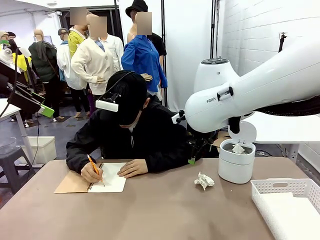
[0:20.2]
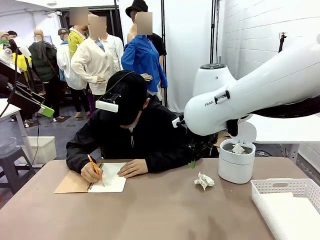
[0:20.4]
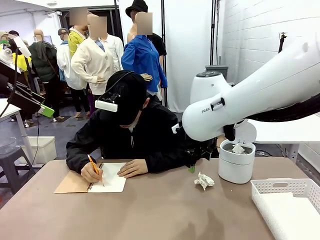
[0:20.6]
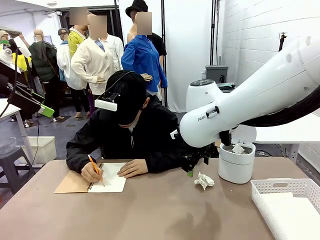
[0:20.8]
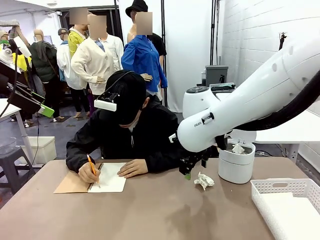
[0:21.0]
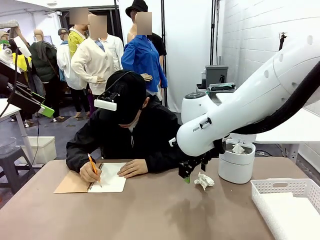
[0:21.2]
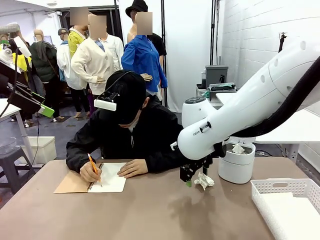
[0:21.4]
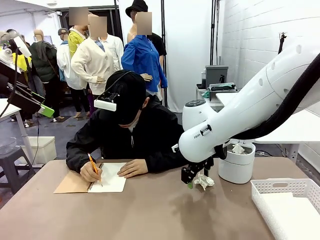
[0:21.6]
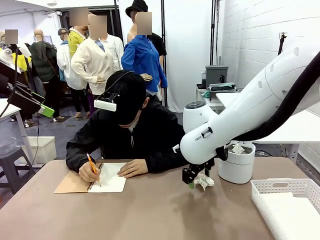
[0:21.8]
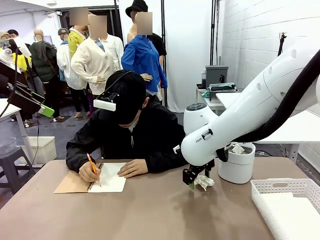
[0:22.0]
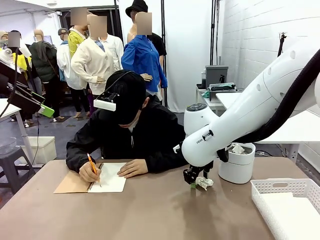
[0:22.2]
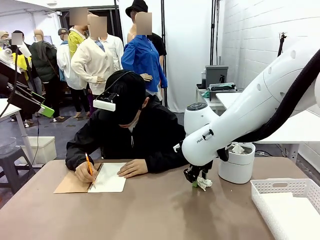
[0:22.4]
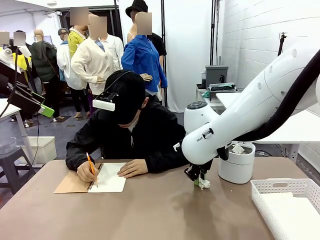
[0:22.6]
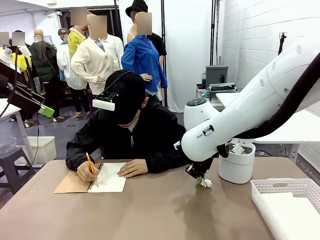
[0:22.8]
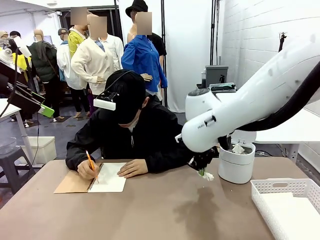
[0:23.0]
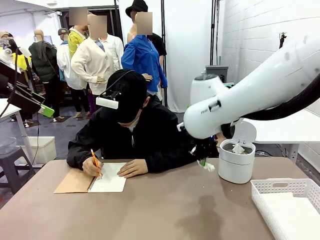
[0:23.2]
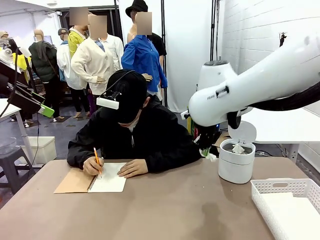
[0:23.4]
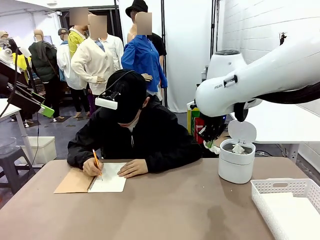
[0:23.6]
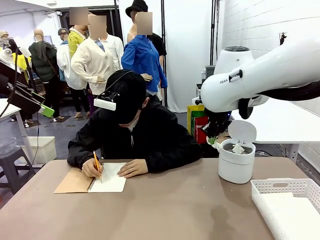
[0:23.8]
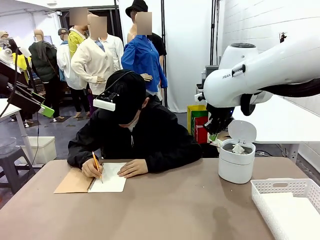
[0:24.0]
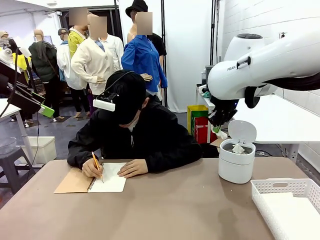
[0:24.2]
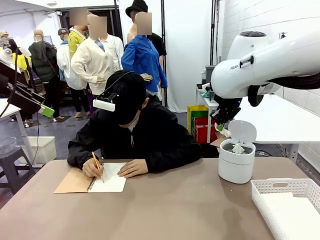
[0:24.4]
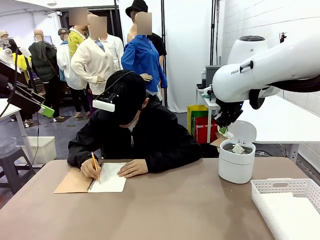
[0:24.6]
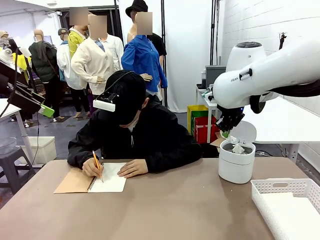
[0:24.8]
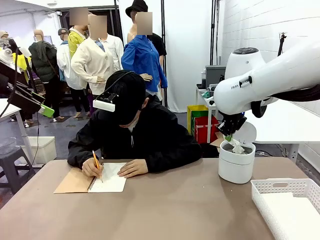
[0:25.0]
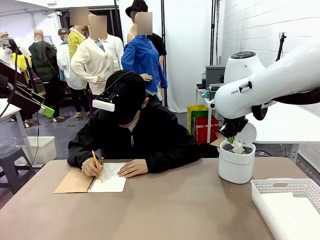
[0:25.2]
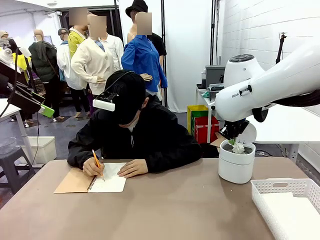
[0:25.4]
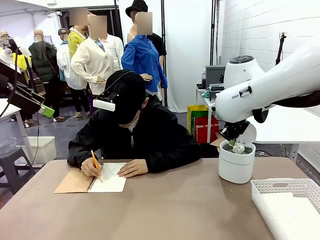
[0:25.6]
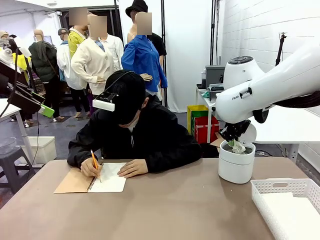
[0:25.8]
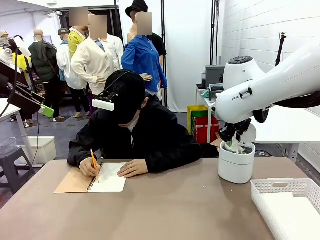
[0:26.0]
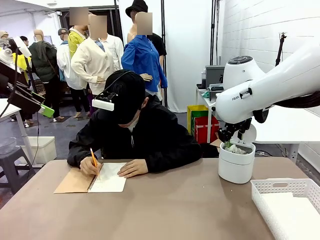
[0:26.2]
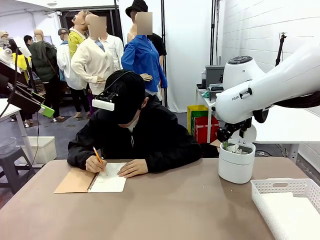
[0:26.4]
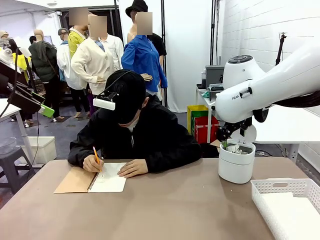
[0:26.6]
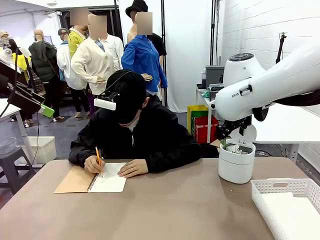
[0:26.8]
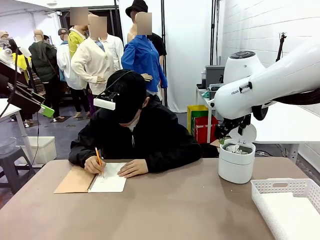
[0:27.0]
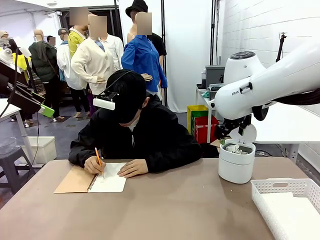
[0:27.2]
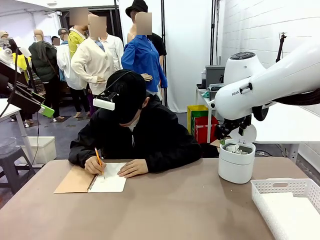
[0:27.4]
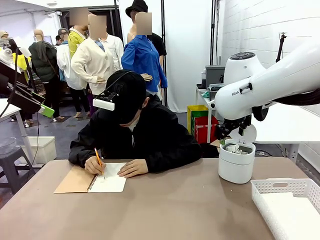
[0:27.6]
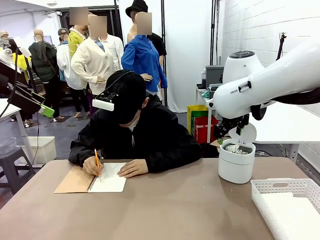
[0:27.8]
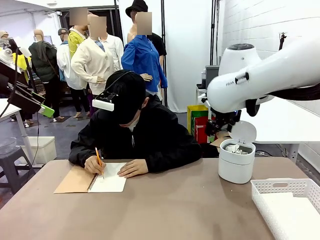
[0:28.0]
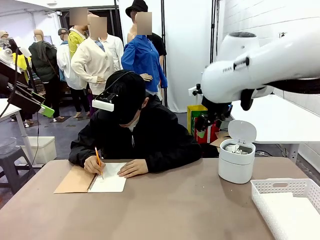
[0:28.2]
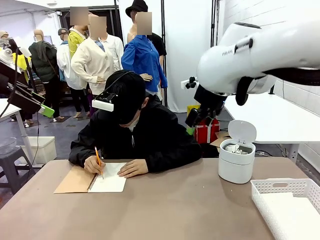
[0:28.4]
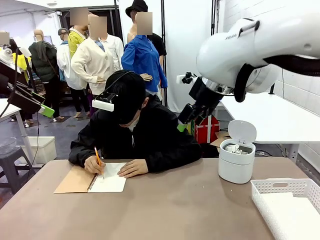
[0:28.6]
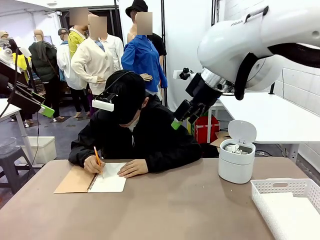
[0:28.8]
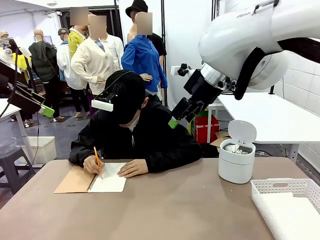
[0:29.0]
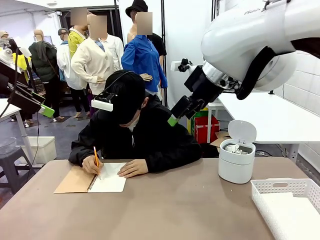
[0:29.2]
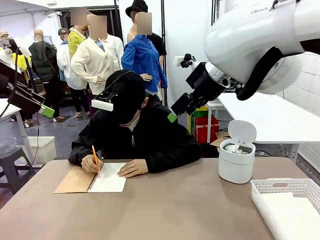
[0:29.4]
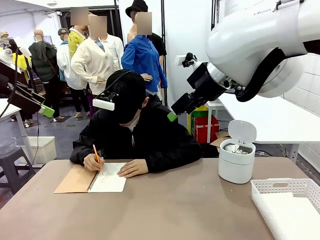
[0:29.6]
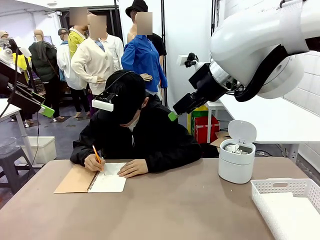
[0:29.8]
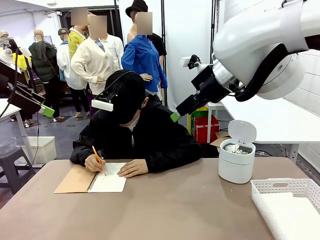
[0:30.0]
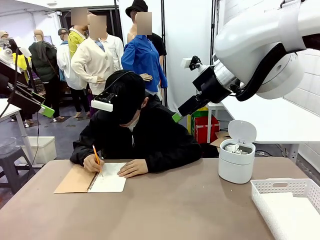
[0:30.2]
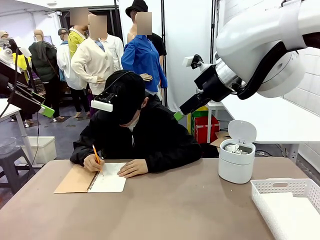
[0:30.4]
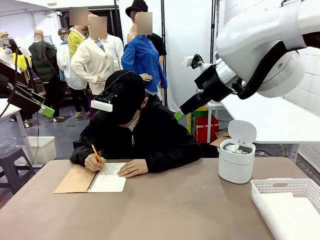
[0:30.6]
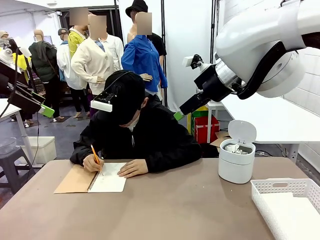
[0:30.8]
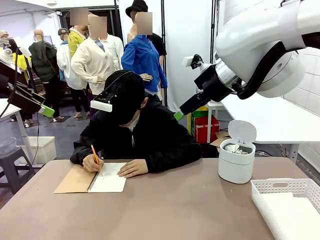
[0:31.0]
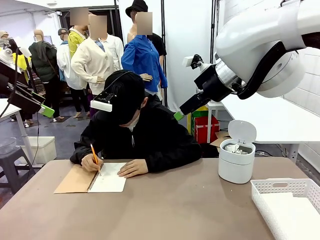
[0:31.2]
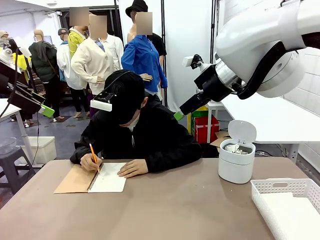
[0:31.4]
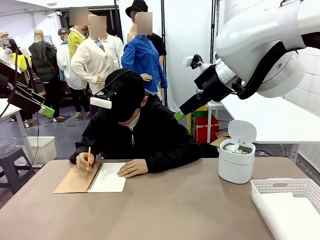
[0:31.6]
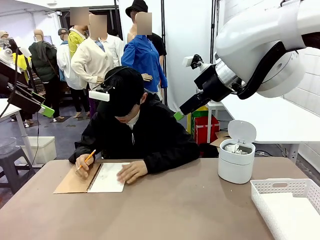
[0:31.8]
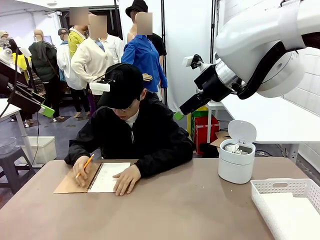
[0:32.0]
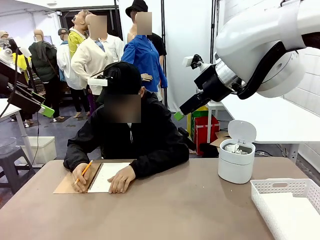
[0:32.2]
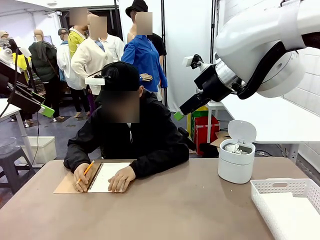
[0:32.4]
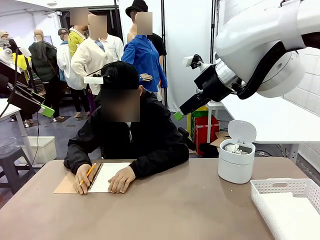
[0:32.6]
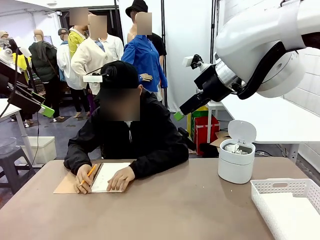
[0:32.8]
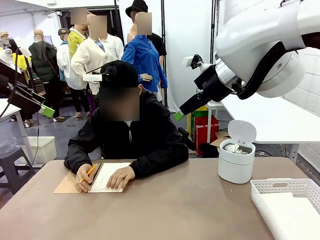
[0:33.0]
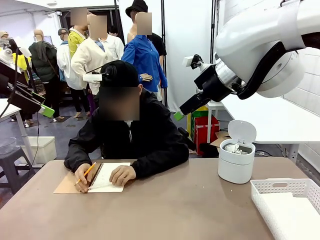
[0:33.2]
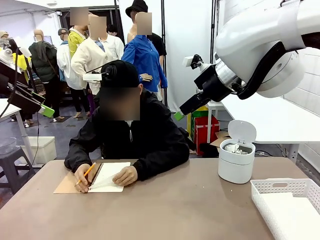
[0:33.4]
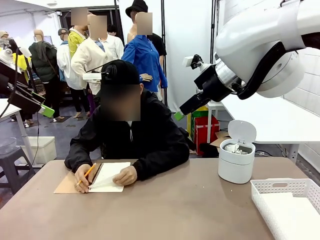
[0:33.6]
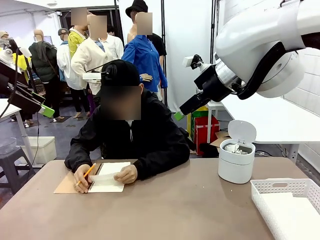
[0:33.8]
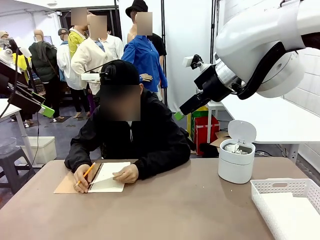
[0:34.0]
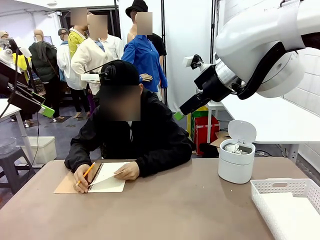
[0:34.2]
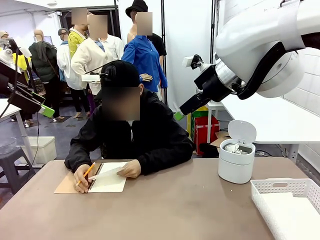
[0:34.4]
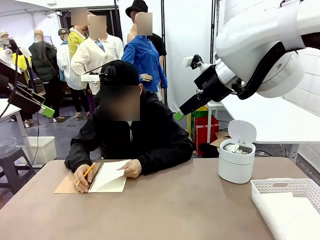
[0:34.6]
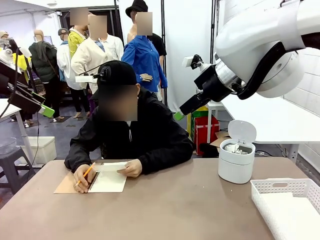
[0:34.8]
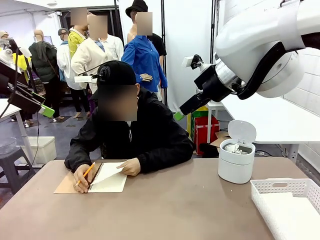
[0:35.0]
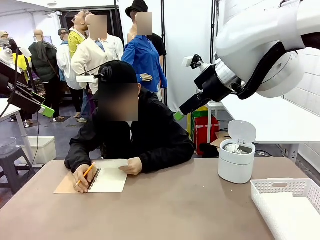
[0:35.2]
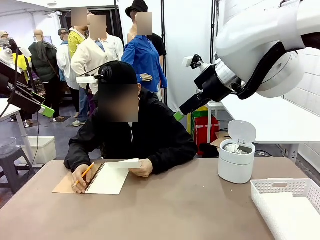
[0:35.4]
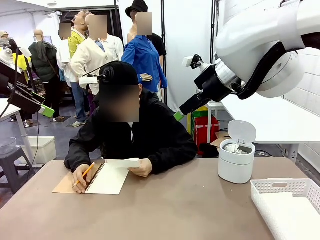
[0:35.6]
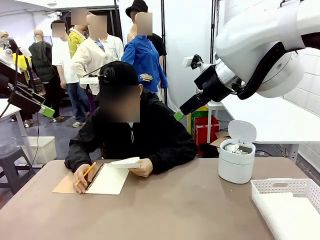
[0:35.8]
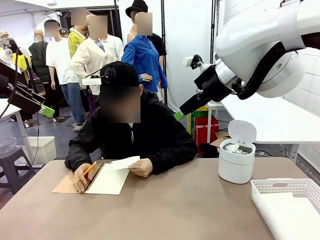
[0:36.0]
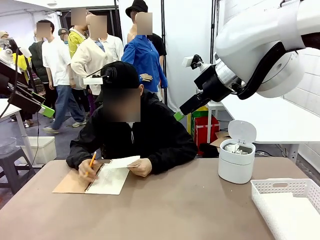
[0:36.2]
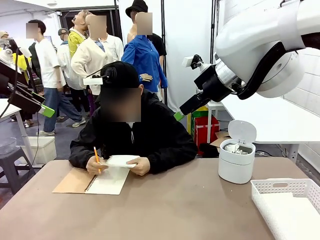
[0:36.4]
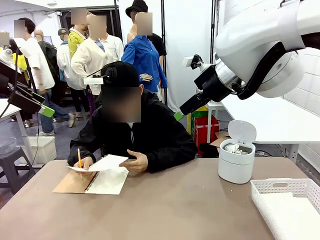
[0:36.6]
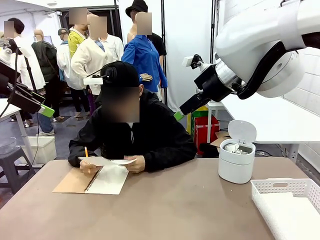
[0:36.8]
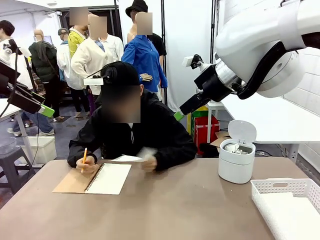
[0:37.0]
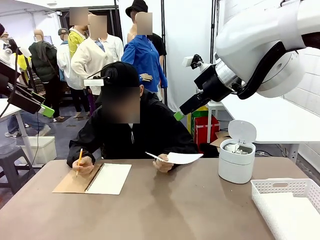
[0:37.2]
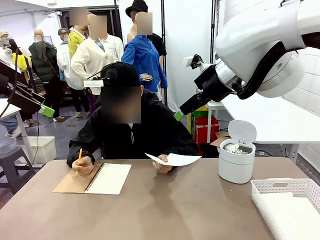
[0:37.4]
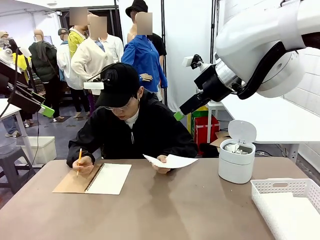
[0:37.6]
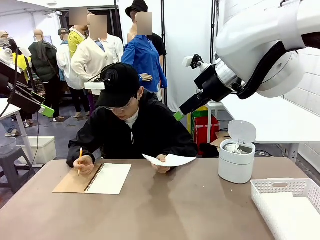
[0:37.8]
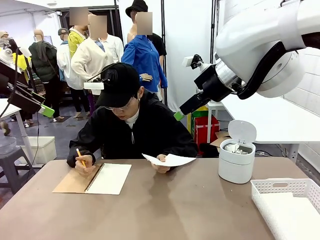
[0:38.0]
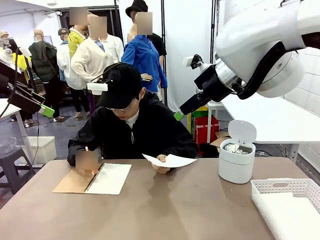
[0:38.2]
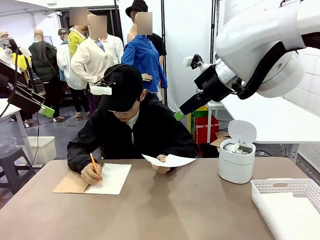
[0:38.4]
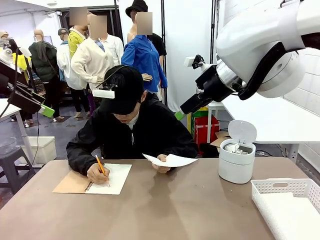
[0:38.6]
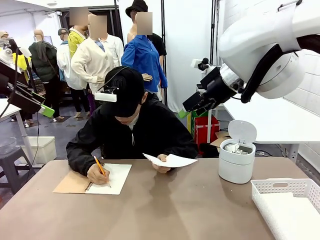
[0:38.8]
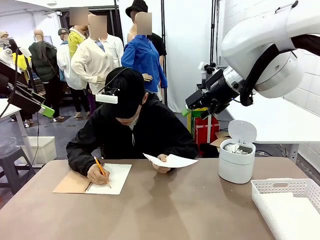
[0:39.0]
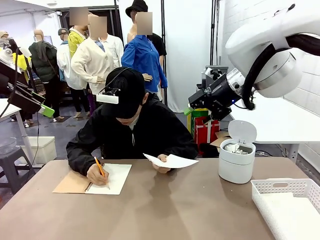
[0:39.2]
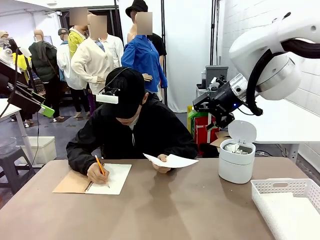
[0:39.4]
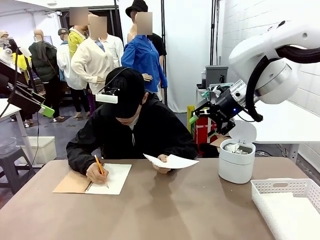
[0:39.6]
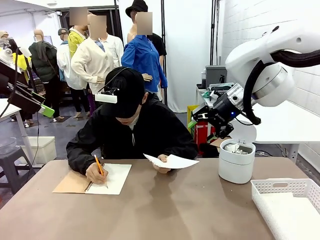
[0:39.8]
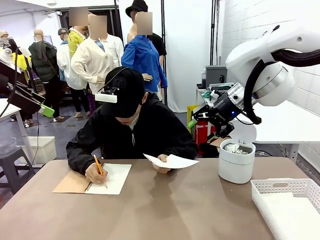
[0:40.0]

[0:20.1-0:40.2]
Task: Sort the paper based on its condition.
Robot: If a person hands you a paper, place it in the Organizing basket , and if it's crumpled, put it in the Trash can.
Person: Tear out a page from the spiral notebook. Hand the torn page to the robot or crumple it and throw it to the center of the table.
